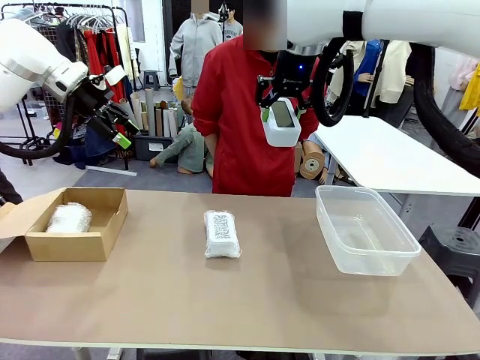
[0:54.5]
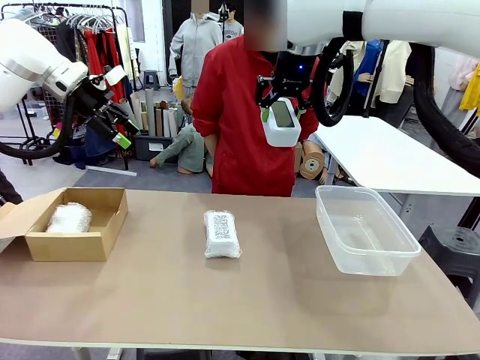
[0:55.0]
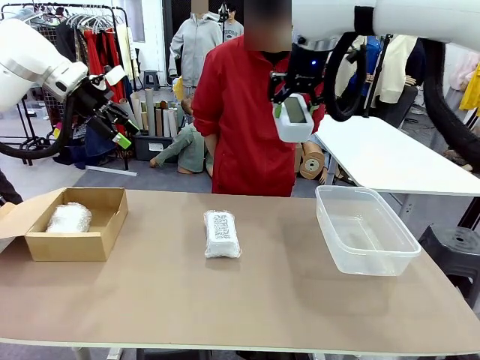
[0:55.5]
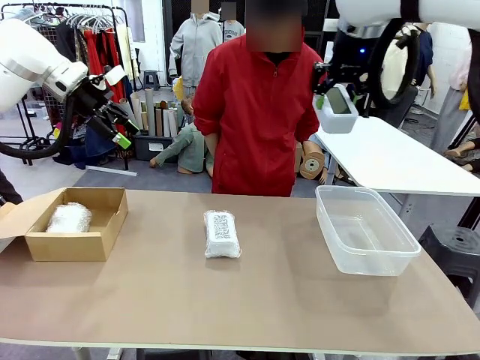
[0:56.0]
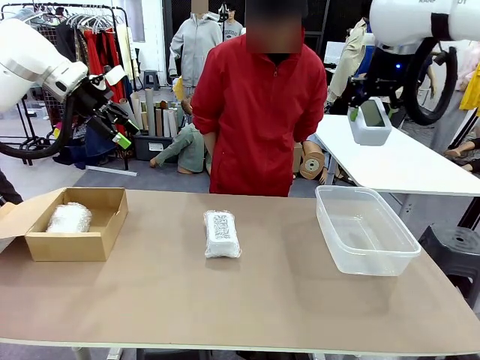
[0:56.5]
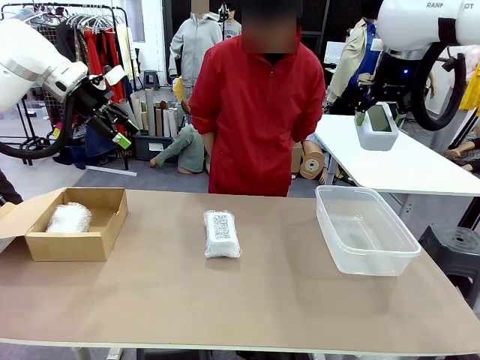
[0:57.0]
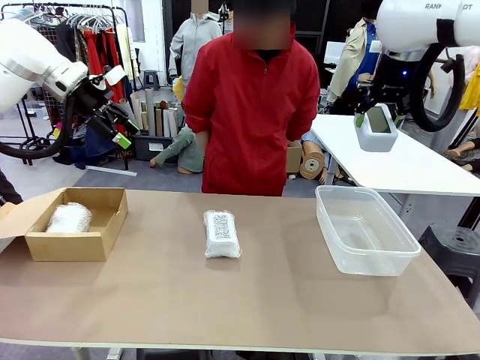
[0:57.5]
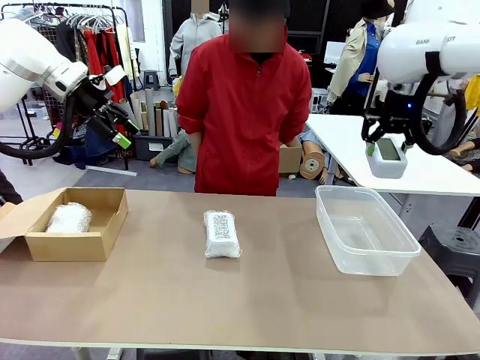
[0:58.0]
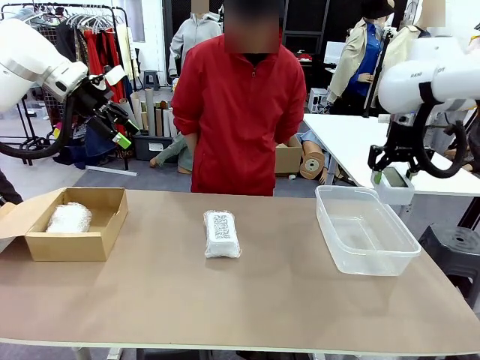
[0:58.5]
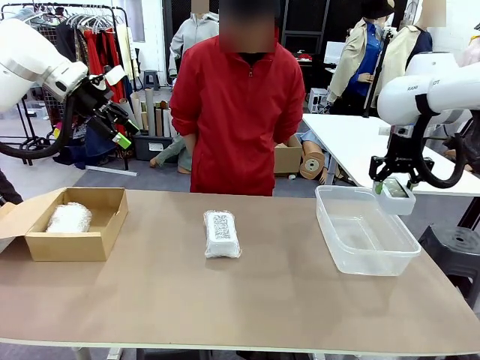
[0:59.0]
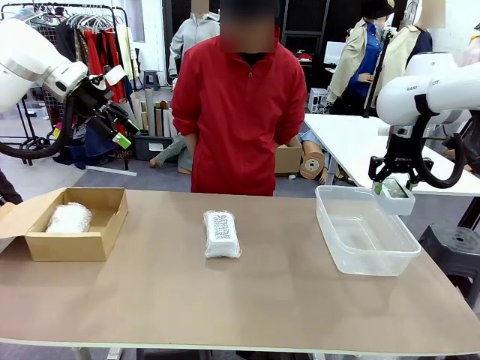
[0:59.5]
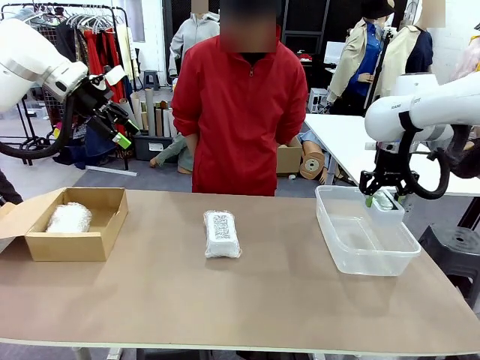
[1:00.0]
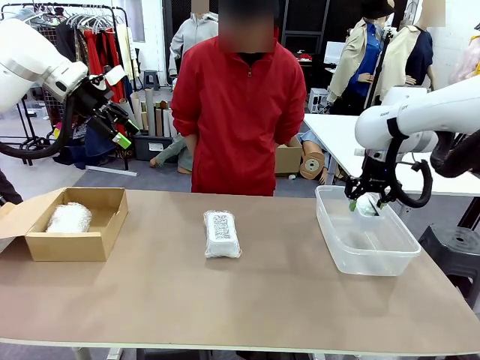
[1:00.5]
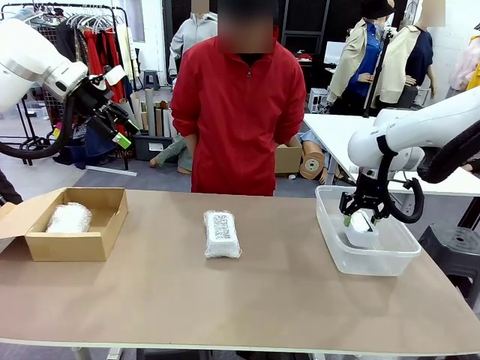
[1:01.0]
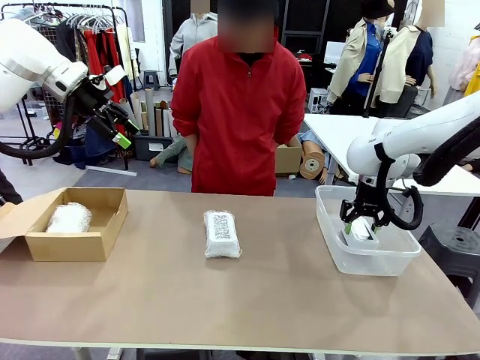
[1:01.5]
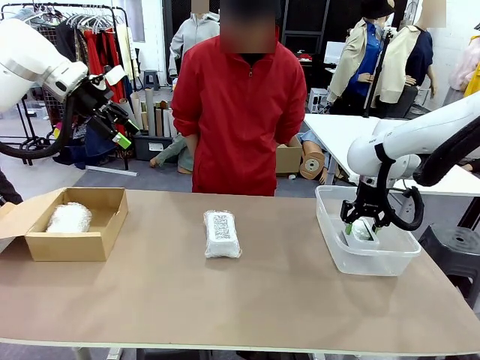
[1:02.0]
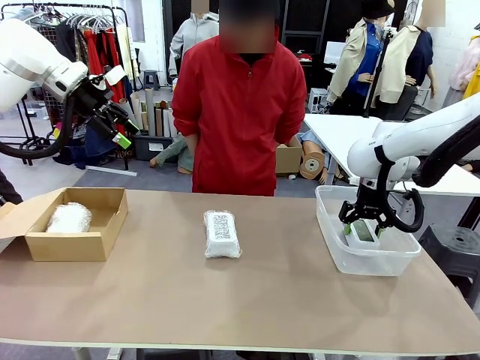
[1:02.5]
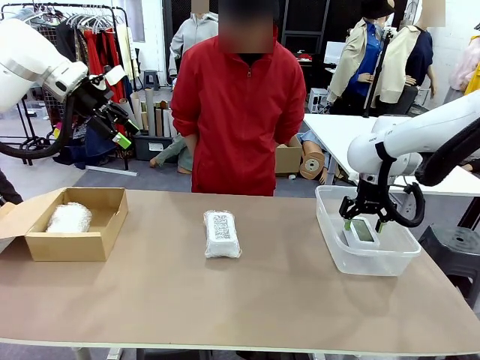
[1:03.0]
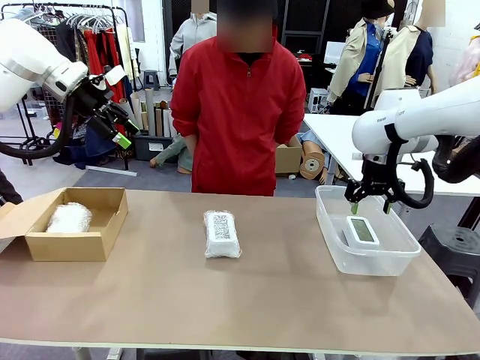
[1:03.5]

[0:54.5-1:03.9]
Task: Separate and place wrapped and unwrapped clocks.
Robot: If the picked Digital clock is wrapped, place it in the Package Box ; if not, place it in the Organizing box.

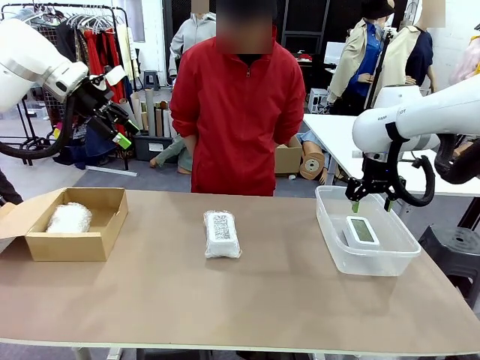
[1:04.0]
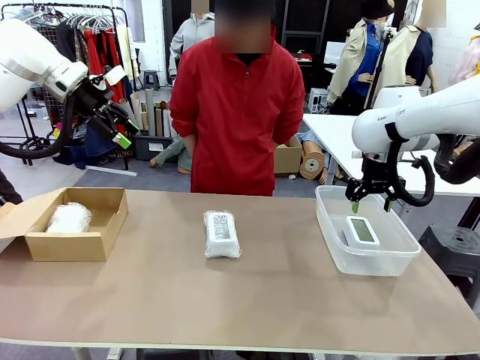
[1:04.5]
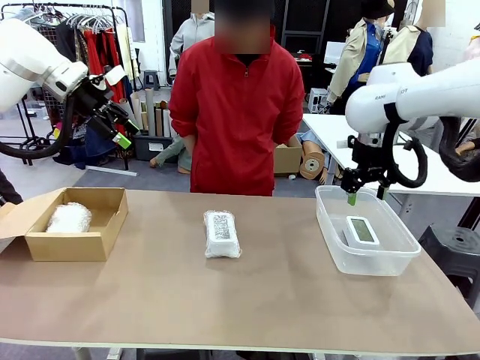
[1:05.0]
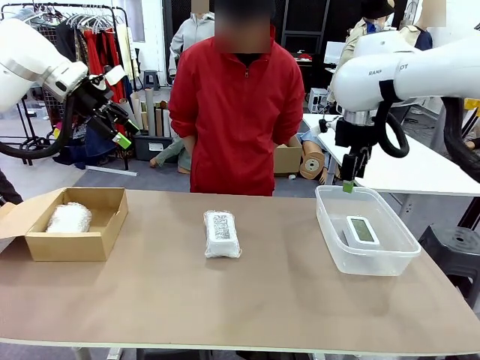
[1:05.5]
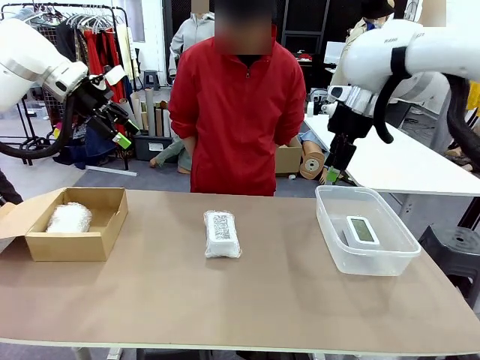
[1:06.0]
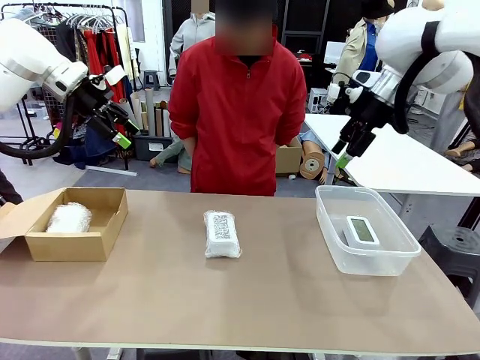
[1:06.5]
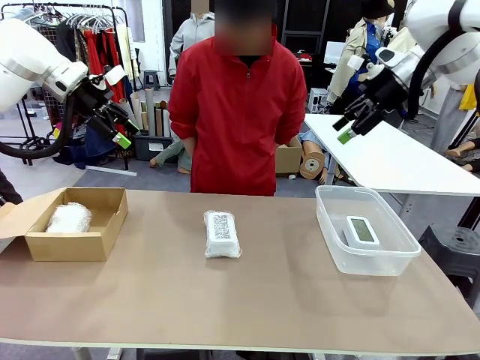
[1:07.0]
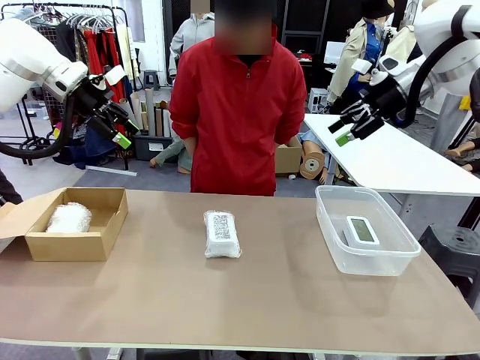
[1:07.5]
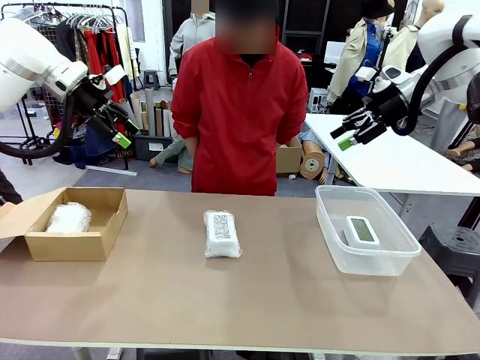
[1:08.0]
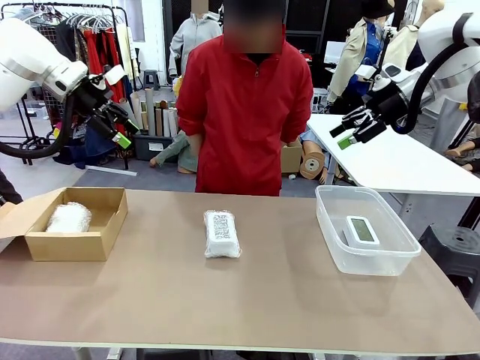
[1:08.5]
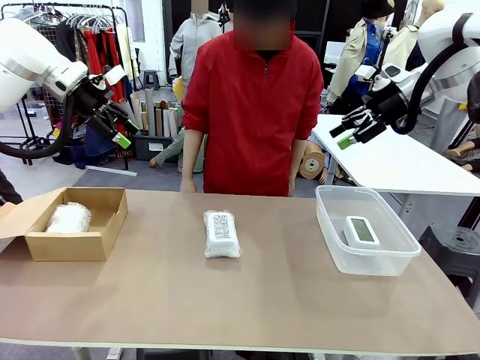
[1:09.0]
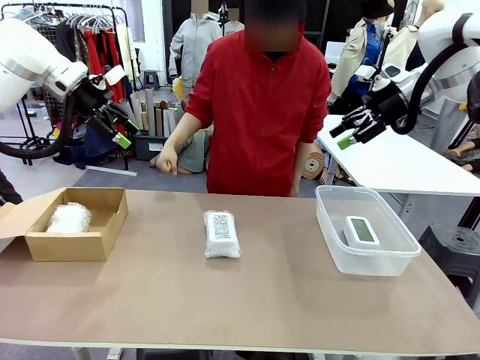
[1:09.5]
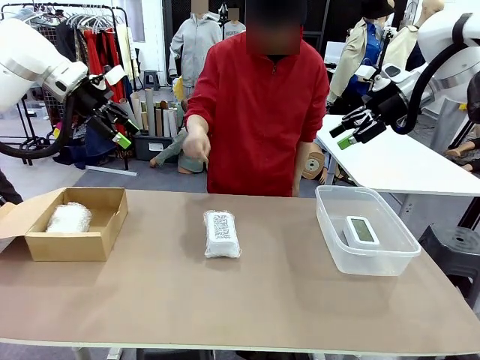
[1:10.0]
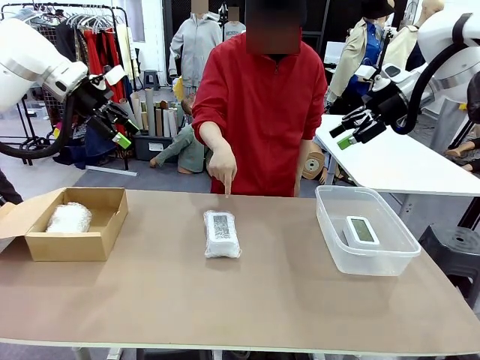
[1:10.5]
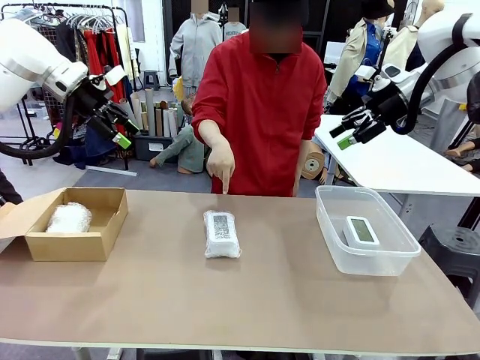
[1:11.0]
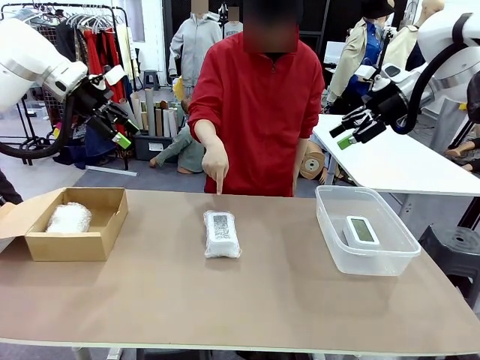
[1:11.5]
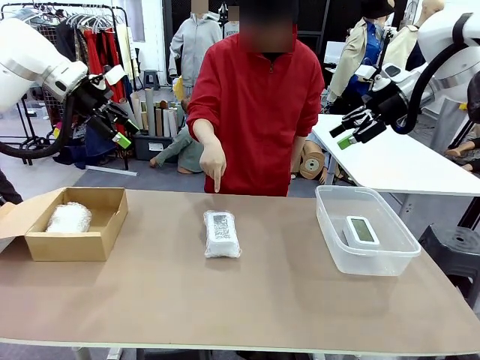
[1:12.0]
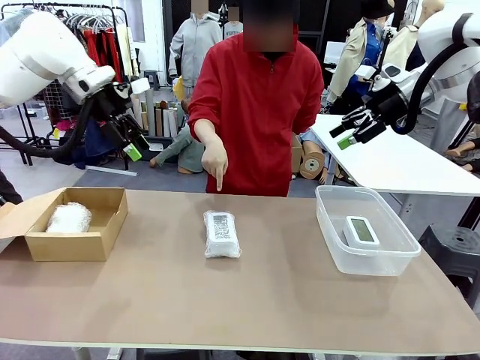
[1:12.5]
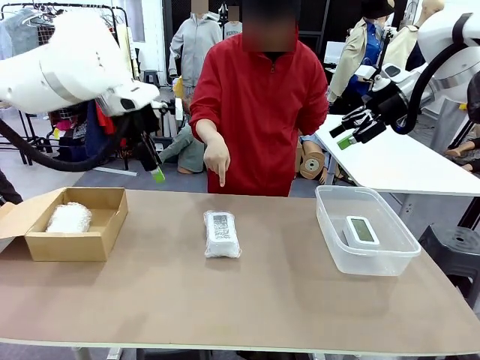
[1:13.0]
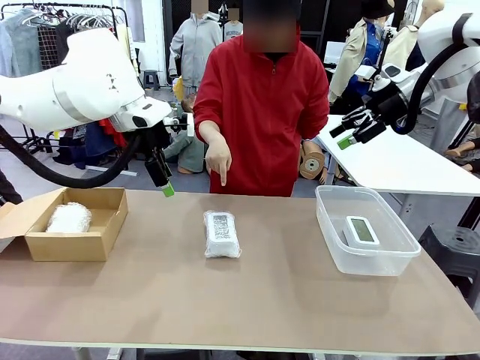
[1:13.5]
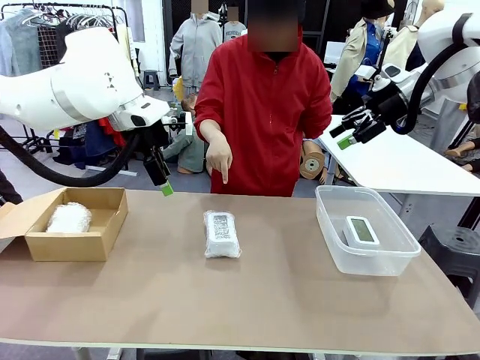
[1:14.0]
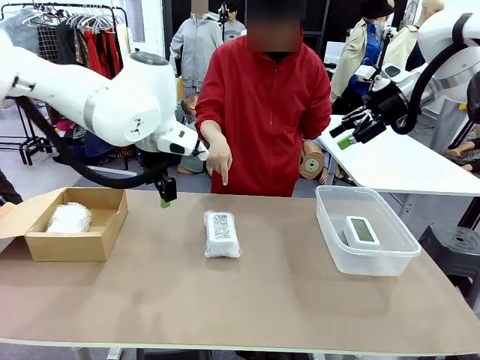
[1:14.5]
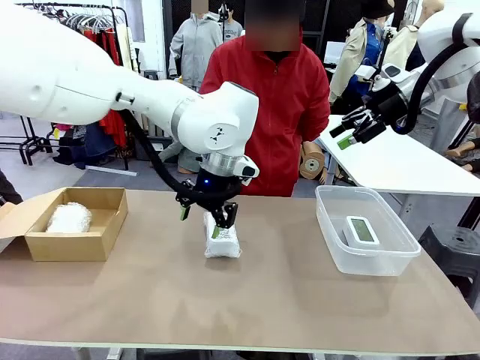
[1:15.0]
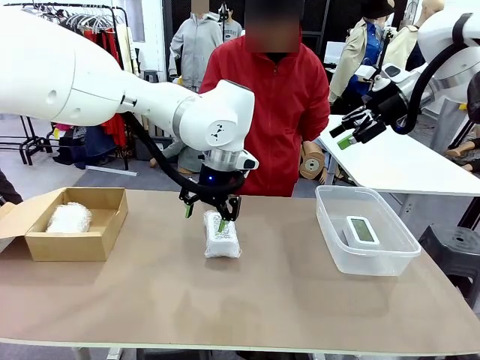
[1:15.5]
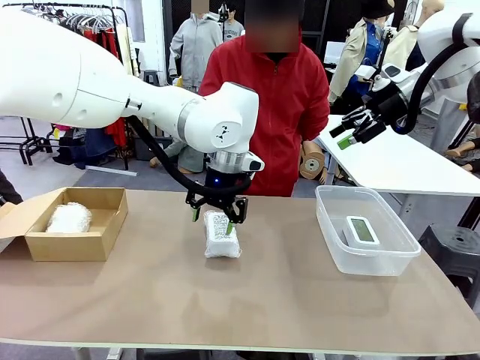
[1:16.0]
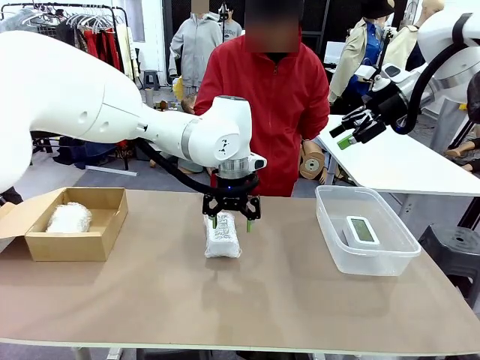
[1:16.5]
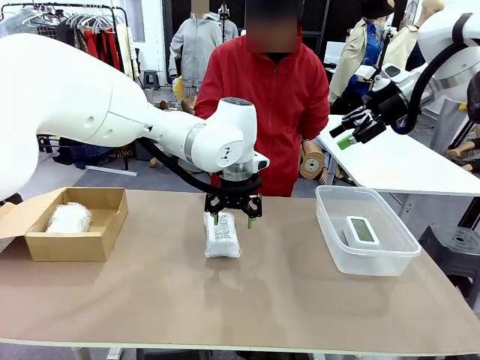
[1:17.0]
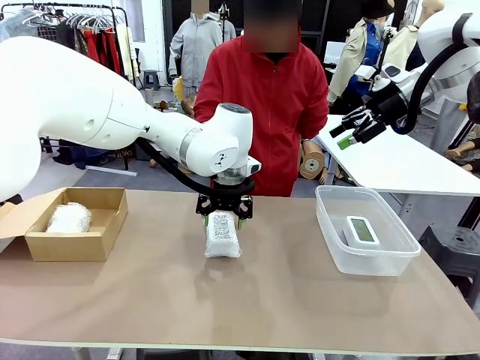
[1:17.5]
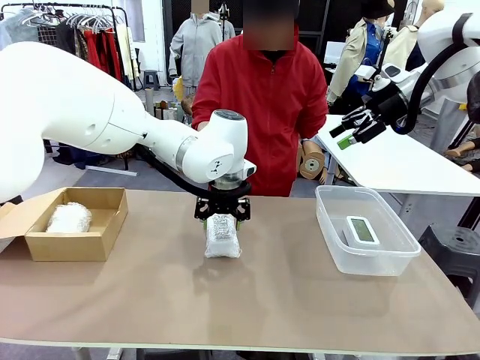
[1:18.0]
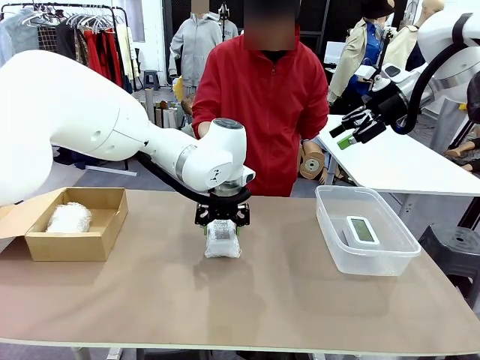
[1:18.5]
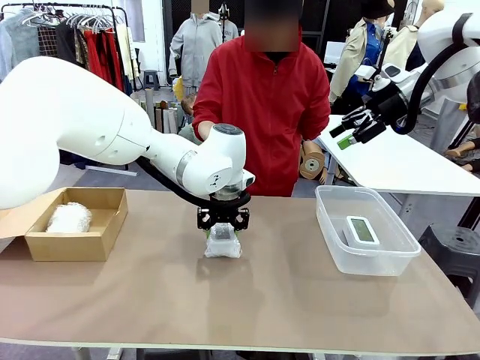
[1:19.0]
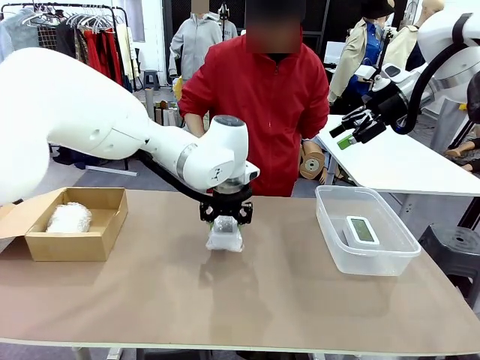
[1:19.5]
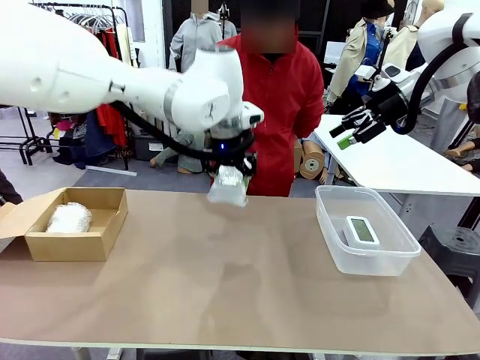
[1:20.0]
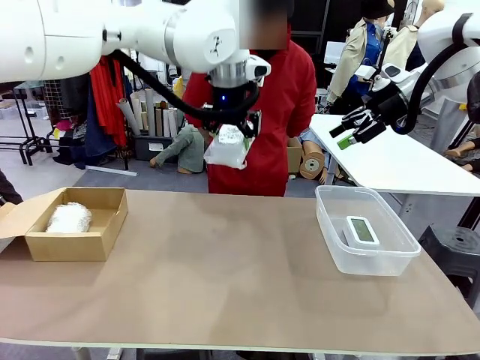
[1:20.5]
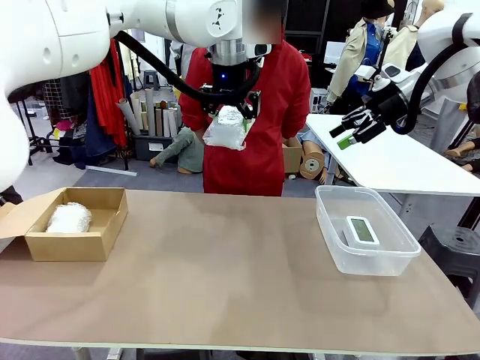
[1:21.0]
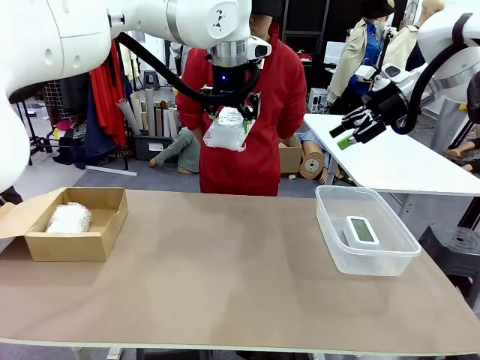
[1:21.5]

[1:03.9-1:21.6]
Robot: Pick up the Digital clock indicated by the person.
